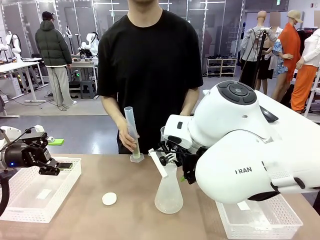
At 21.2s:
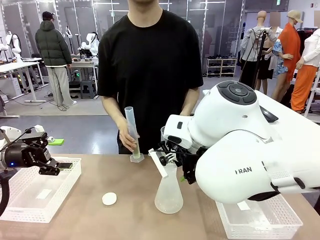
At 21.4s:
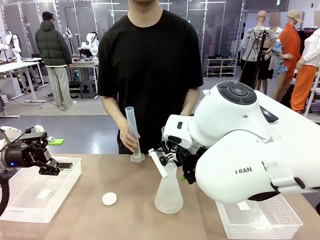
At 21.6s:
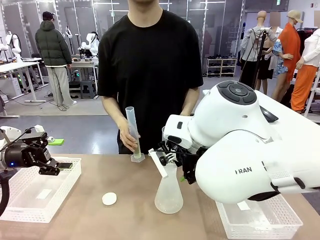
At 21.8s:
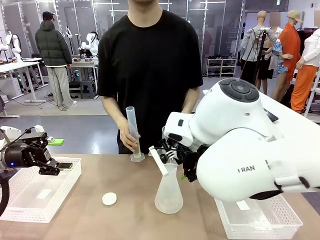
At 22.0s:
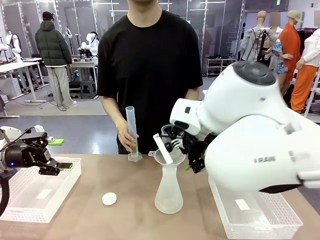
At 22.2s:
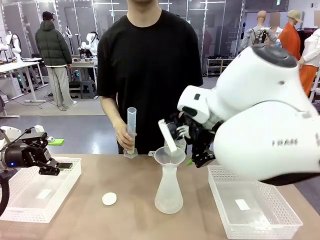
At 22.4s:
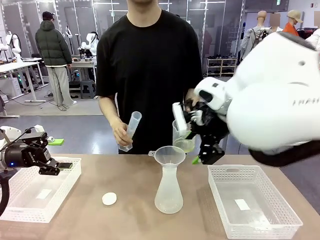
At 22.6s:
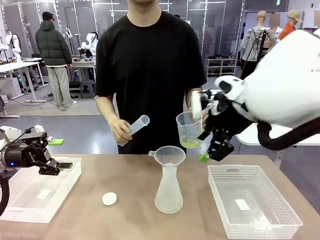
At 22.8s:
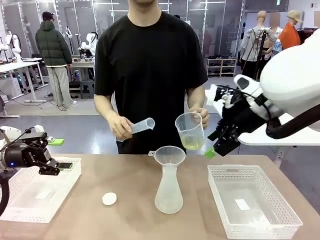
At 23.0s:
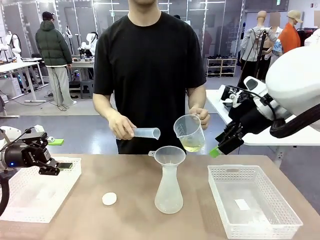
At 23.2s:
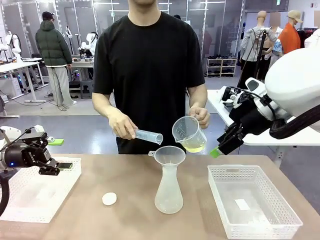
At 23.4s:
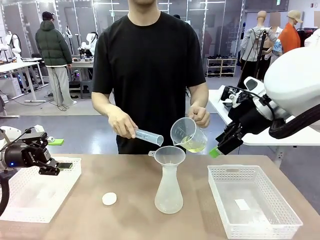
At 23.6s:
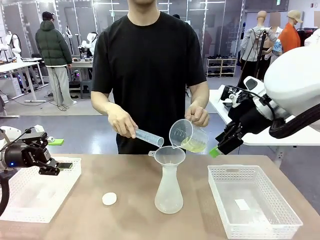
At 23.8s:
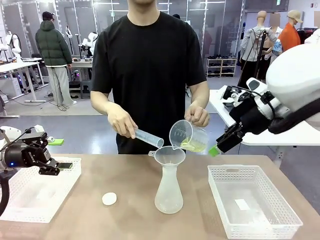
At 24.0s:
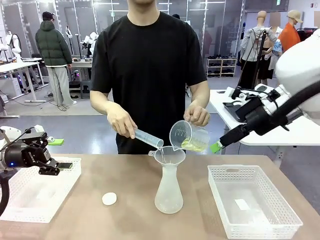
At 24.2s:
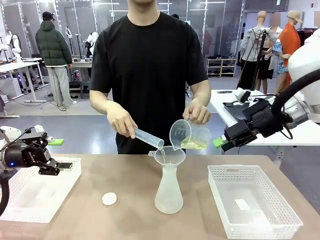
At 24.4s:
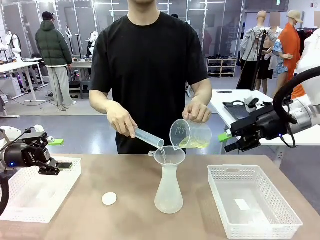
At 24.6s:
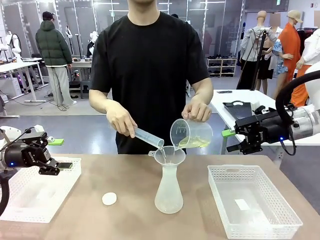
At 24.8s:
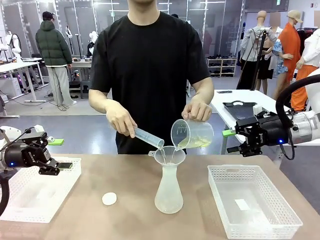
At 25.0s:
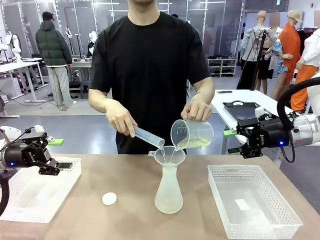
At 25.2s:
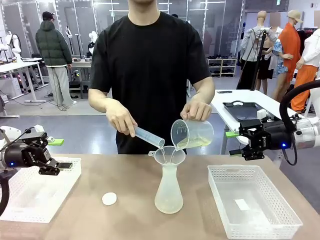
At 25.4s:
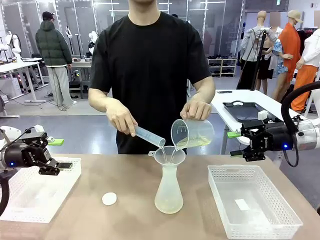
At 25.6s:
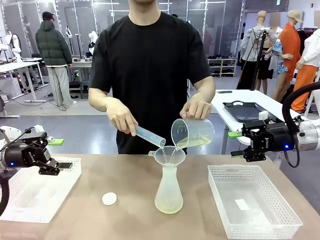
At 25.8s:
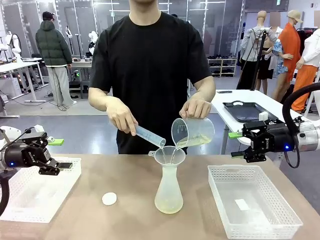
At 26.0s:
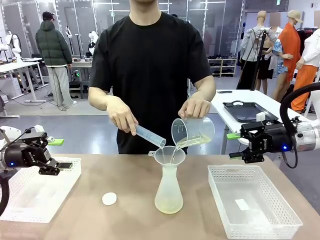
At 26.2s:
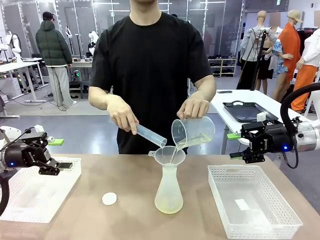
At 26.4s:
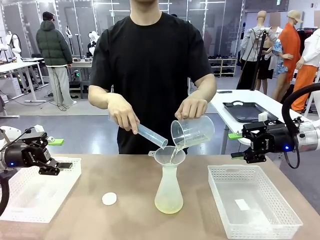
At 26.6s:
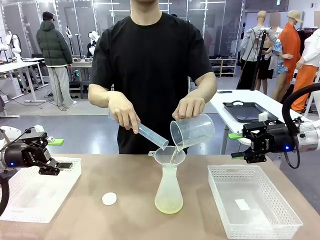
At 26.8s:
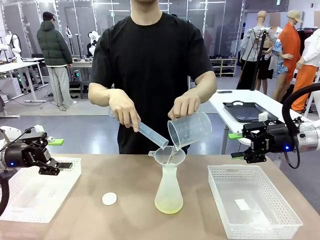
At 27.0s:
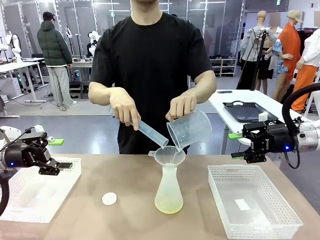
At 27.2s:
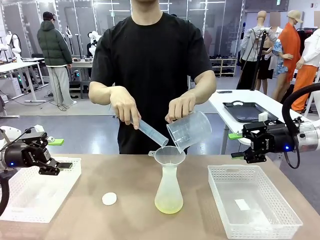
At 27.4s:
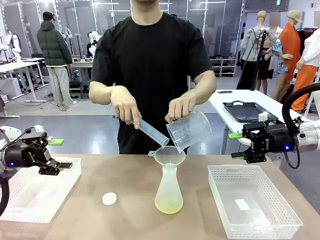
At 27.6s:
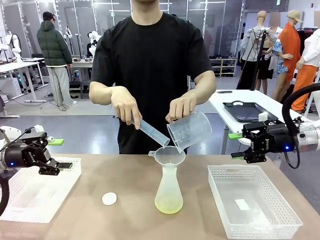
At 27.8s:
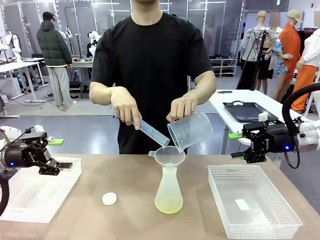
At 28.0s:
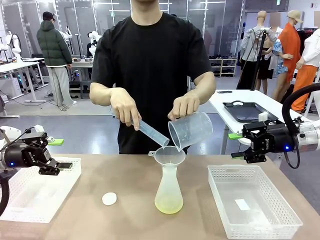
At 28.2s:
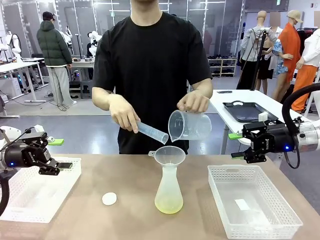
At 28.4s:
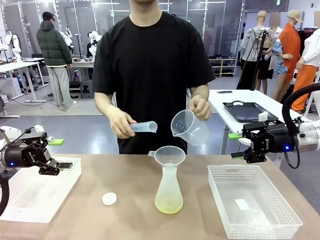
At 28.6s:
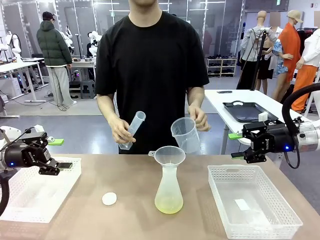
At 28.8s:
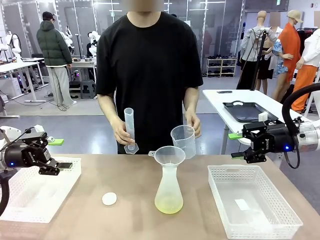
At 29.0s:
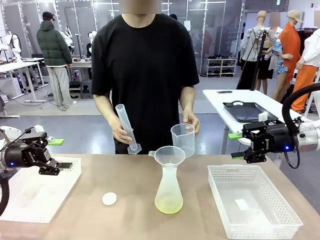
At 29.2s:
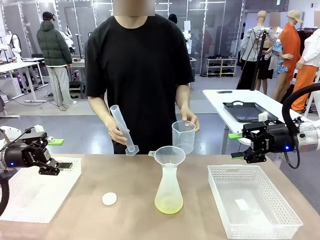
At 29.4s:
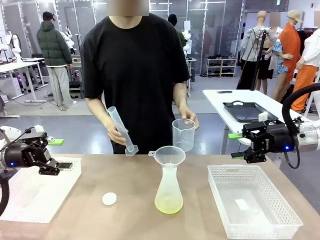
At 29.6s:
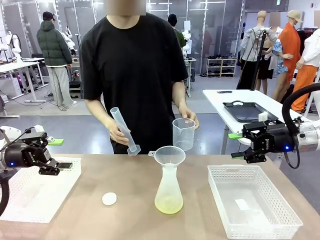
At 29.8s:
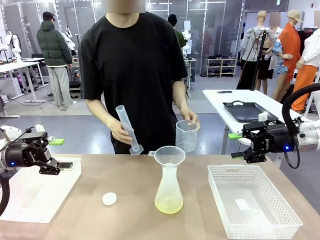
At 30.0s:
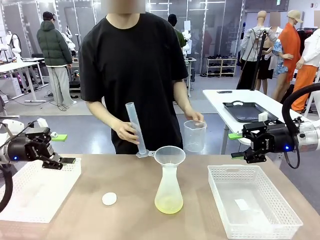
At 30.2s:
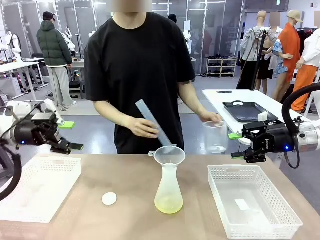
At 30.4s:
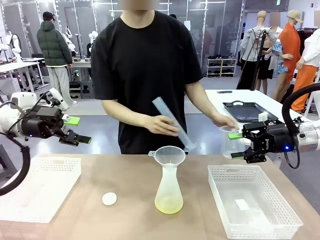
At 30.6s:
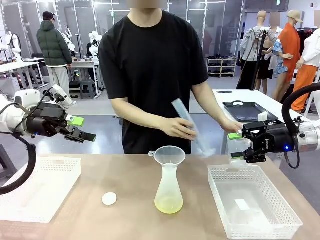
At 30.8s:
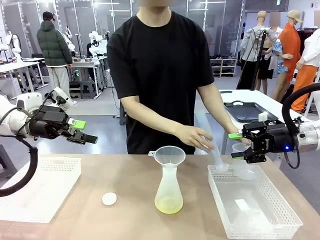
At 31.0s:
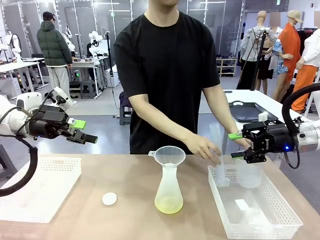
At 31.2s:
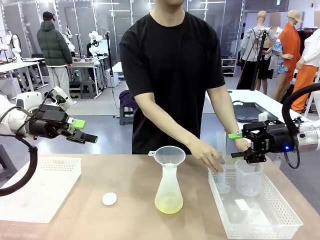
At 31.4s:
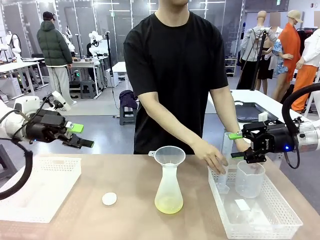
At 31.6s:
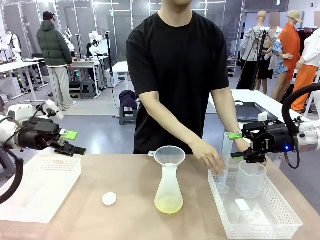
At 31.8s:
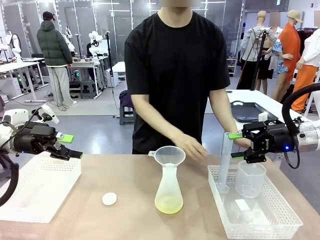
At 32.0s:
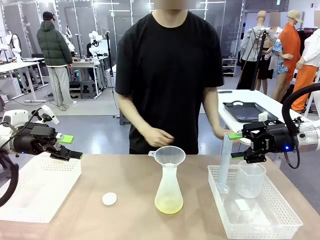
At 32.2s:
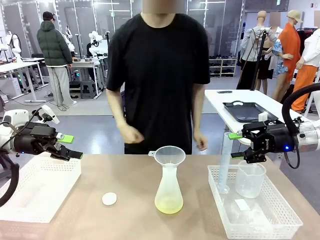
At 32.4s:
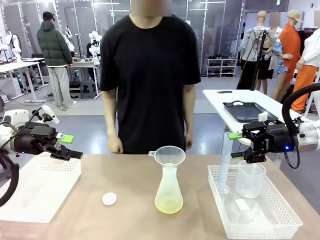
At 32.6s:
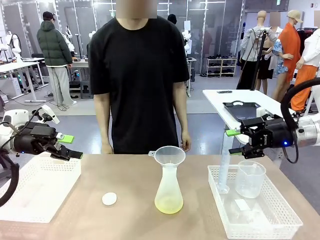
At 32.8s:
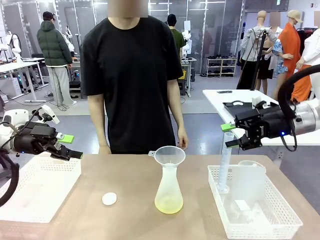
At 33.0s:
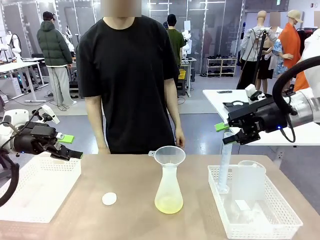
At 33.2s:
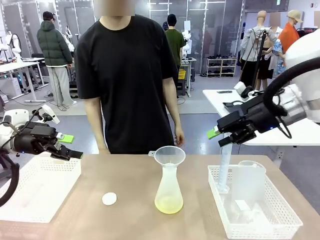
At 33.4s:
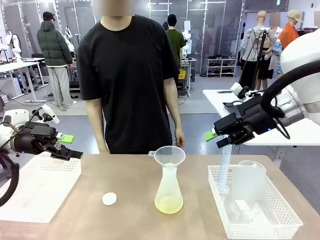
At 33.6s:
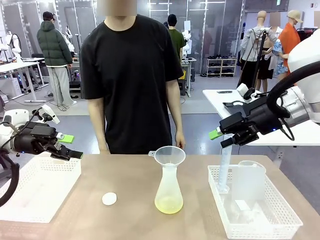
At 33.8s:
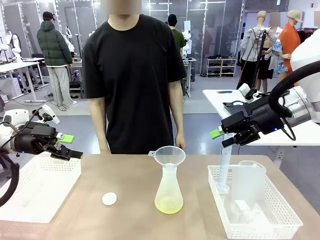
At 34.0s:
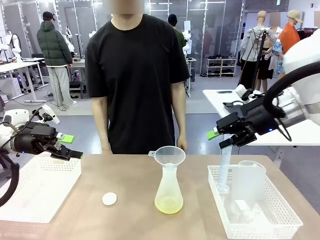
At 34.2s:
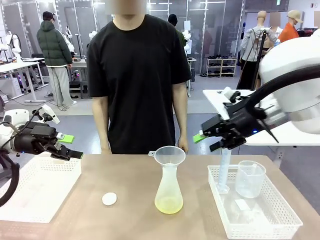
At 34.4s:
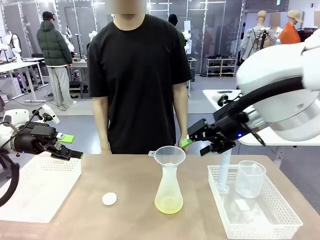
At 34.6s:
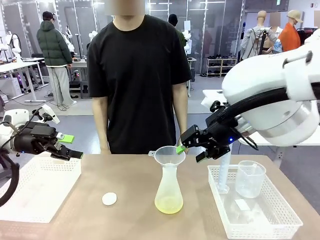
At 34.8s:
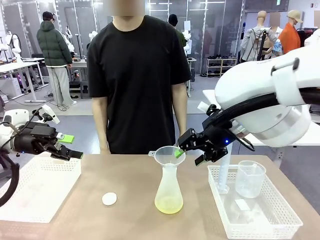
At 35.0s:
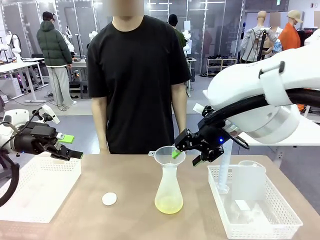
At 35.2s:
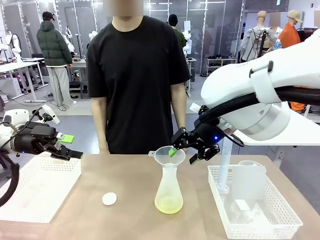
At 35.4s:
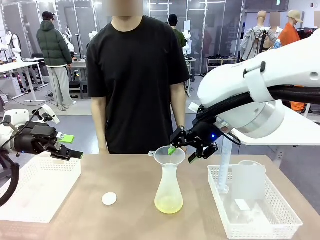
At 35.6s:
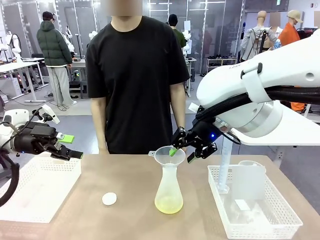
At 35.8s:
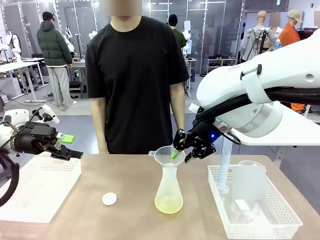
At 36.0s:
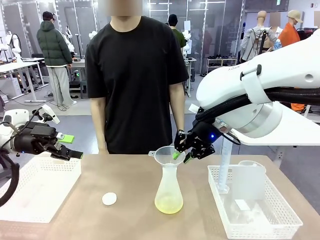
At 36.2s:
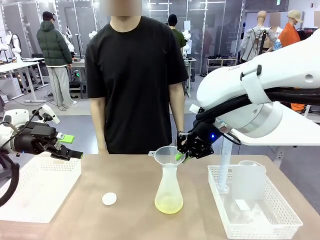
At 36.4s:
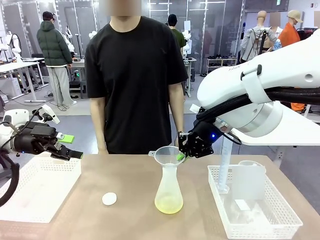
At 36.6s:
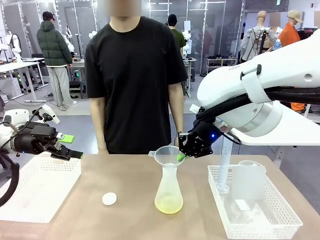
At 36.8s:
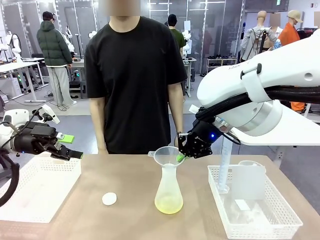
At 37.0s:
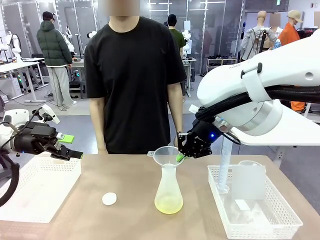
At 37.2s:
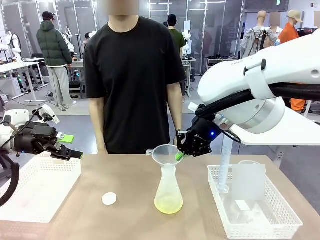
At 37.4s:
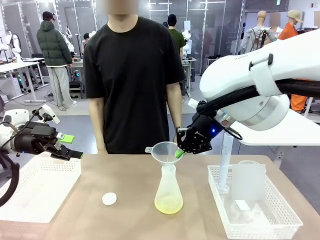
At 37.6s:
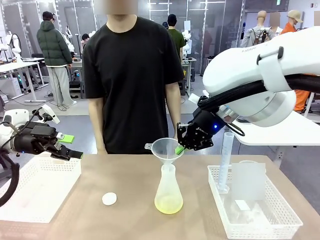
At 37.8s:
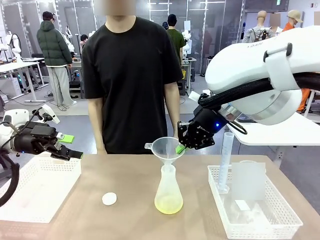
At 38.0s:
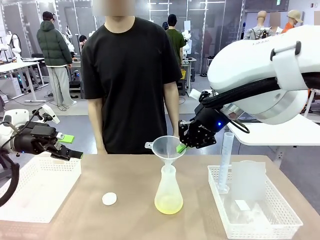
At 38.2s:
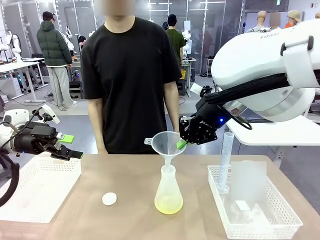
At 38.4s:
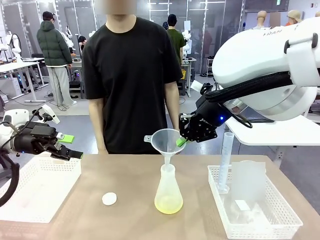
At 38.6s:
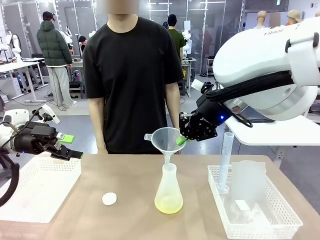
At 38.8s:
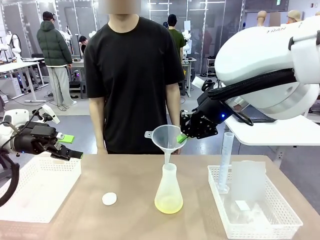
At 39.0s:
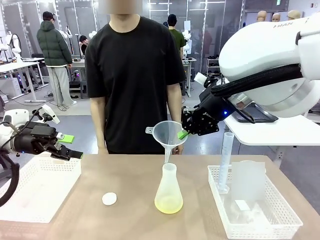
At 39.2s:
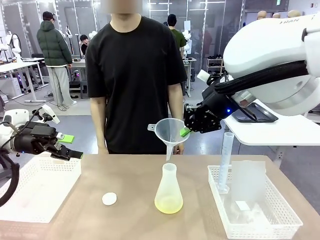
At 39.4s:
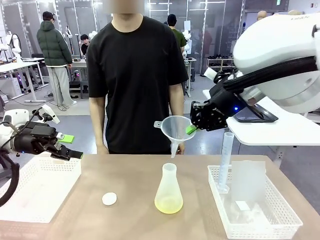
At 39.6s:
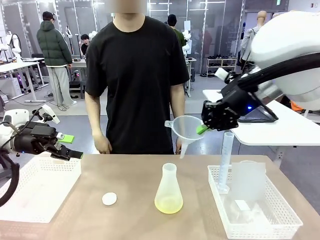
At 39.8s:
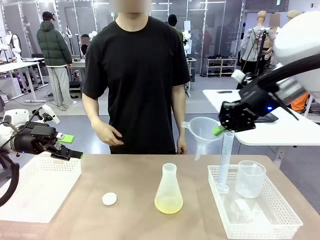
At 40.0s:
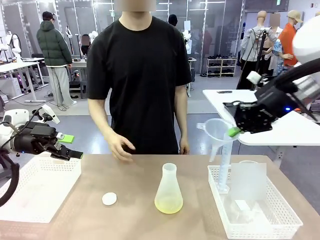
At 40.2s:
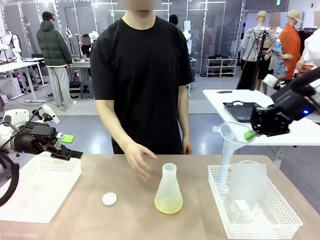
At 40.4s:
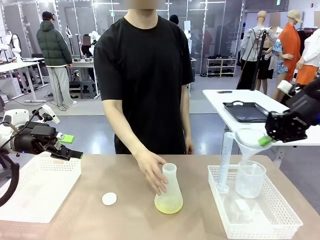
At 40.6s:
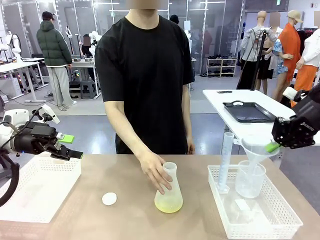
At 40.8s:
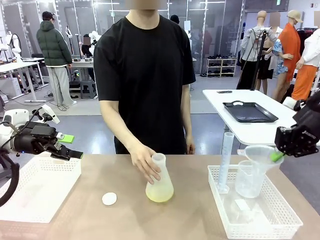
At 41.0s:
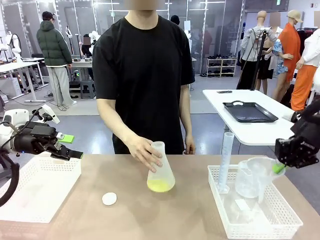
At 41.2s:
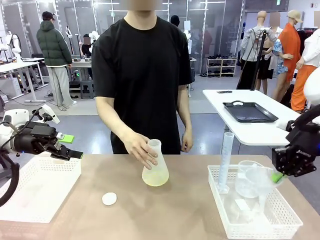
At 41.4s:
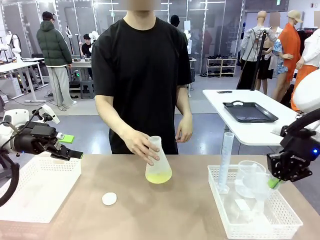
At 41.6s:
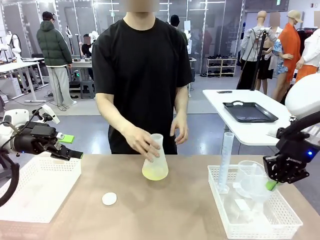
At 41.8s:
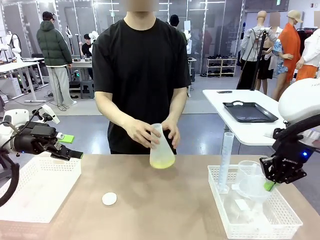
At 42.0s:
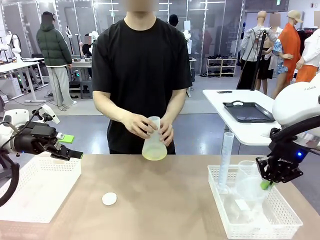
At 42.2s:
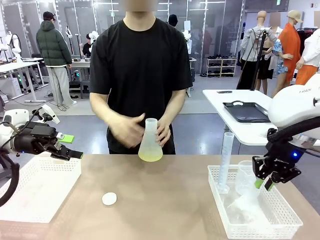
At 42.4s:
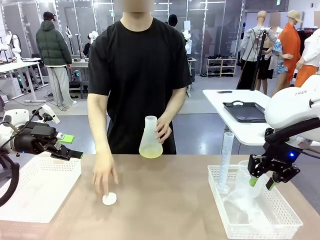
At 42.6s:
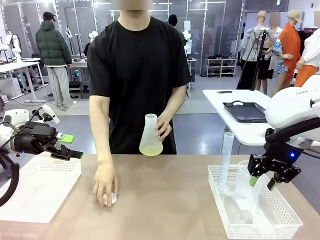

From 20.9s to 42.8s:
Task: Prepare the solutions needed for the experiment.
Robot: Once the solution is in the Big flask , pick up the Plastic Funnel and place it back into the right Organizing basket.
Person: Place the beaker and the cylinder into the organizing basket on the left side. Pick up the flask, gently shake it 2–3 times, place it in the middle of the robot table, and close the lid.
